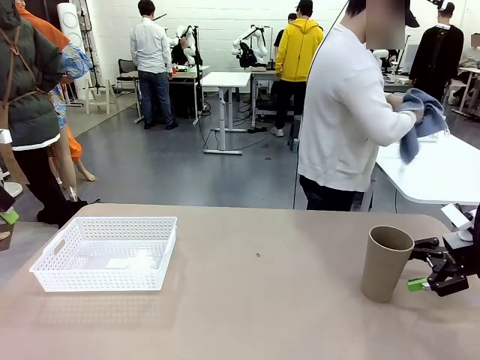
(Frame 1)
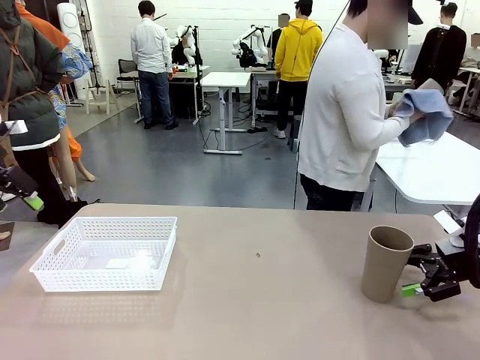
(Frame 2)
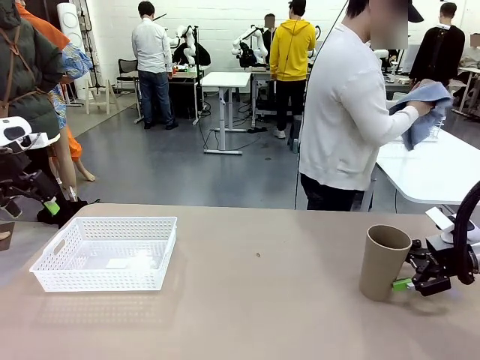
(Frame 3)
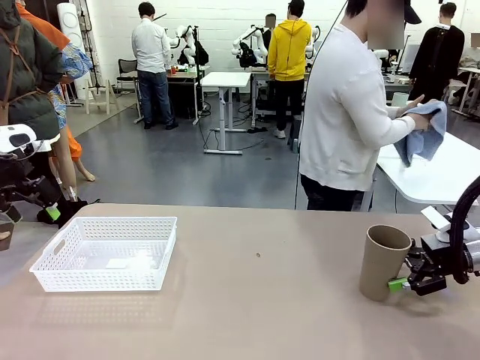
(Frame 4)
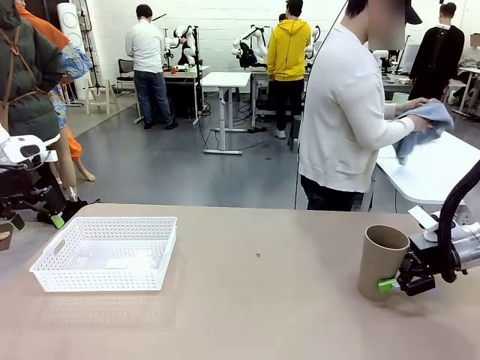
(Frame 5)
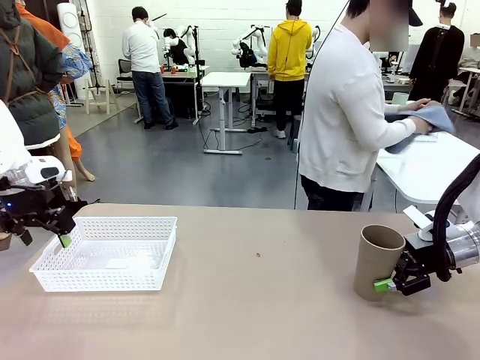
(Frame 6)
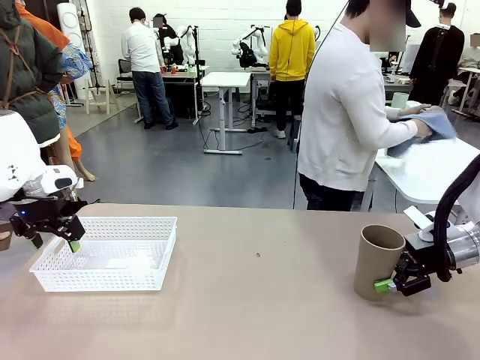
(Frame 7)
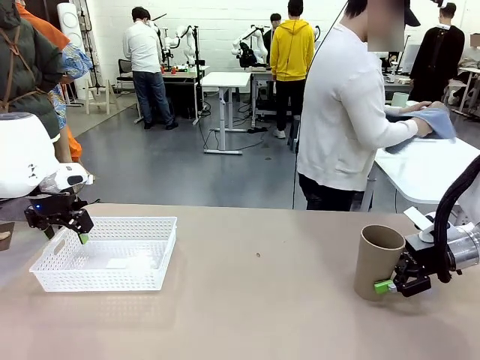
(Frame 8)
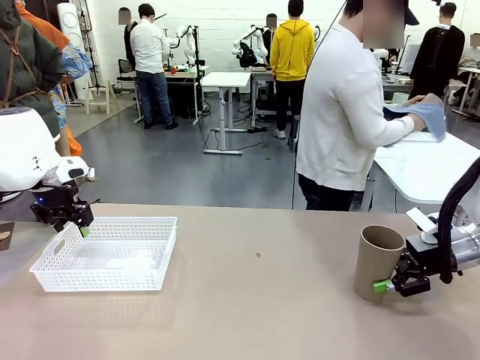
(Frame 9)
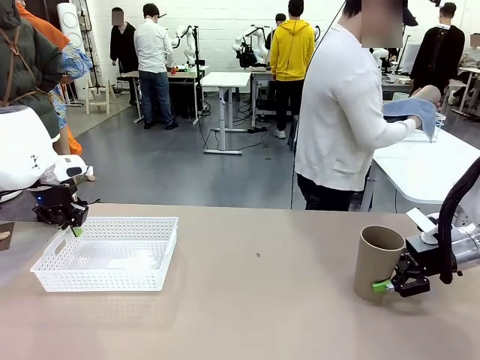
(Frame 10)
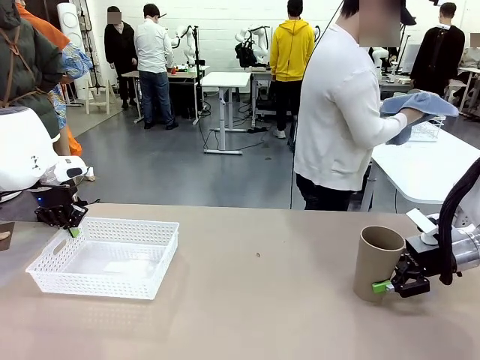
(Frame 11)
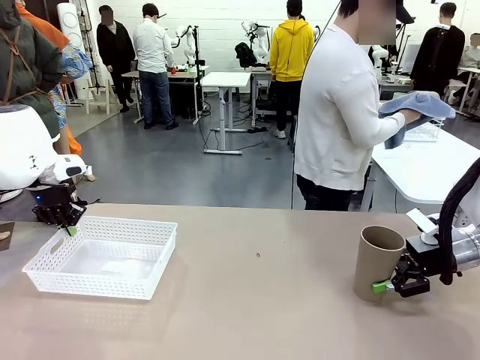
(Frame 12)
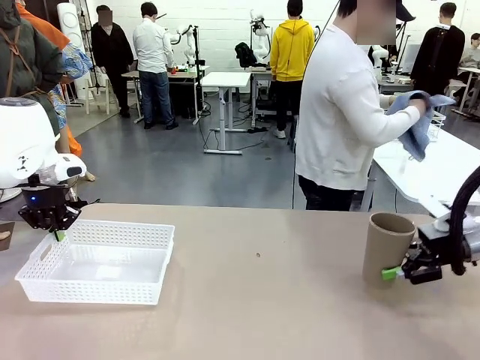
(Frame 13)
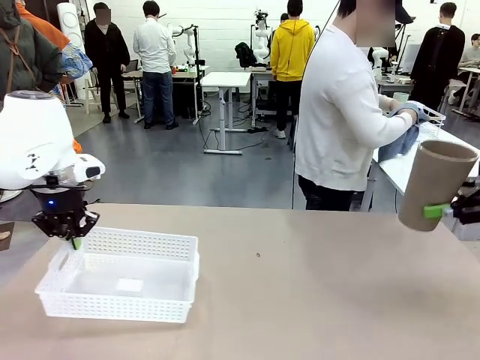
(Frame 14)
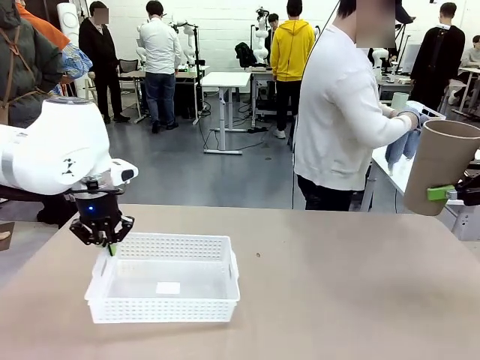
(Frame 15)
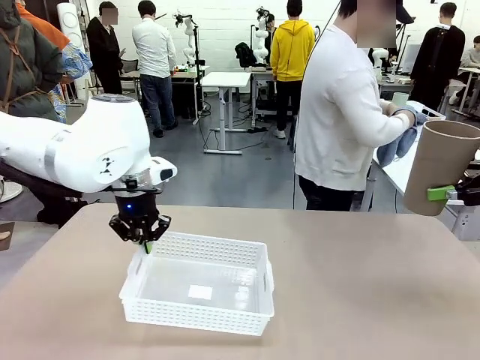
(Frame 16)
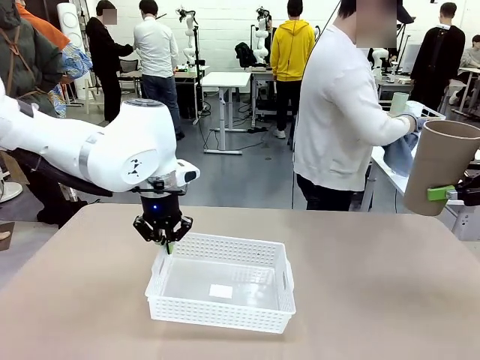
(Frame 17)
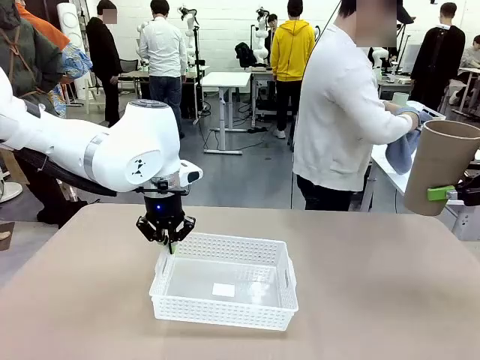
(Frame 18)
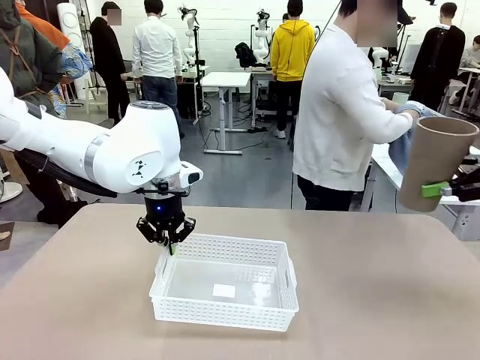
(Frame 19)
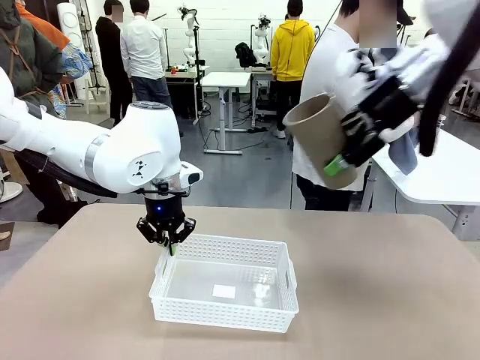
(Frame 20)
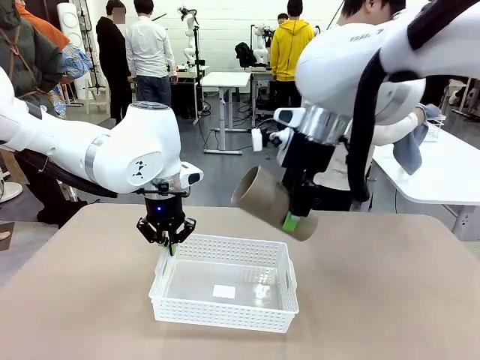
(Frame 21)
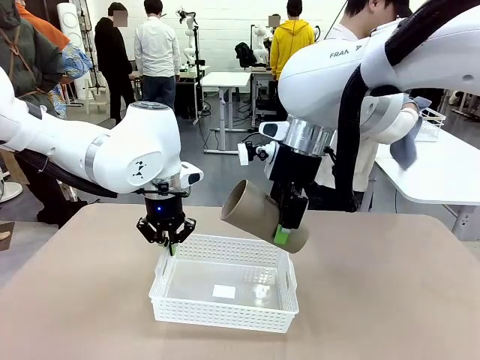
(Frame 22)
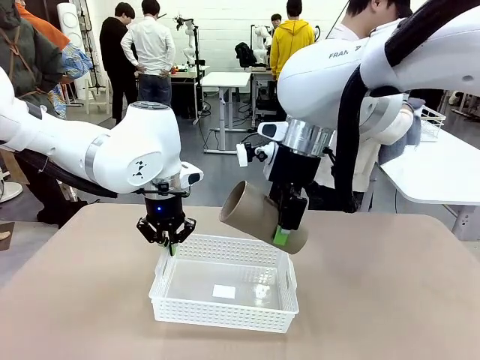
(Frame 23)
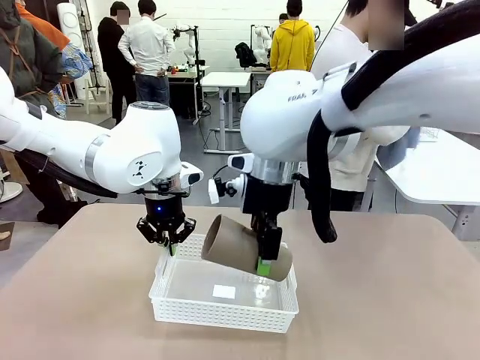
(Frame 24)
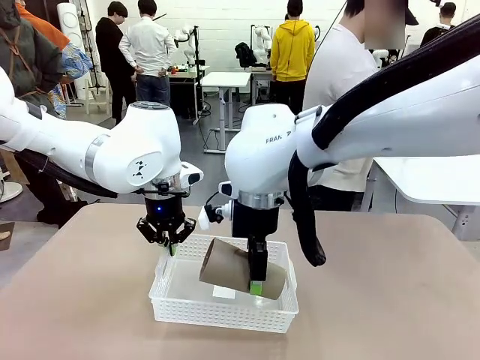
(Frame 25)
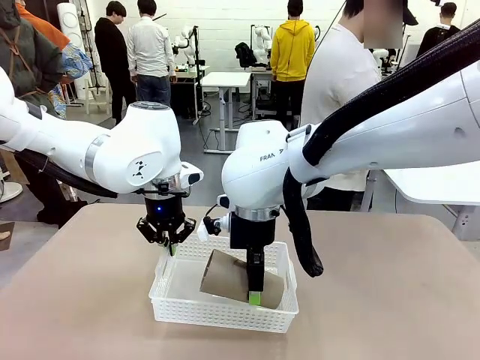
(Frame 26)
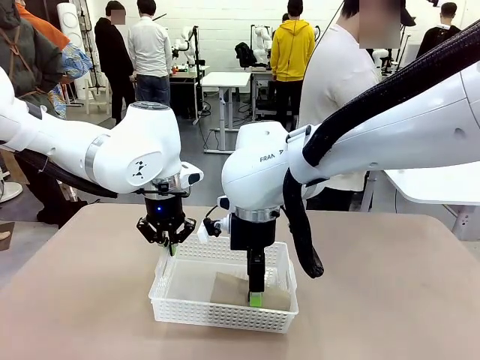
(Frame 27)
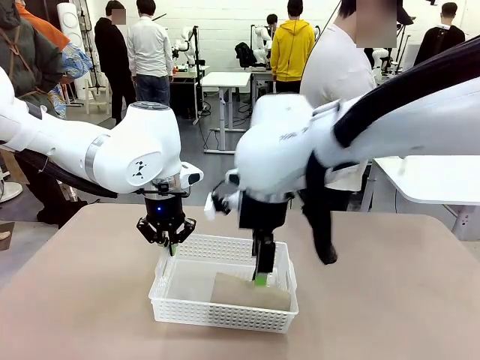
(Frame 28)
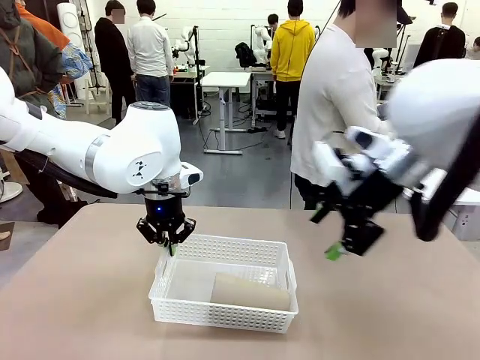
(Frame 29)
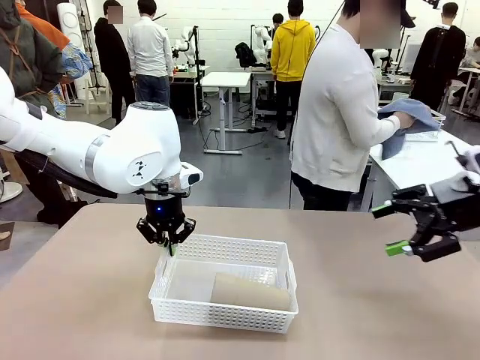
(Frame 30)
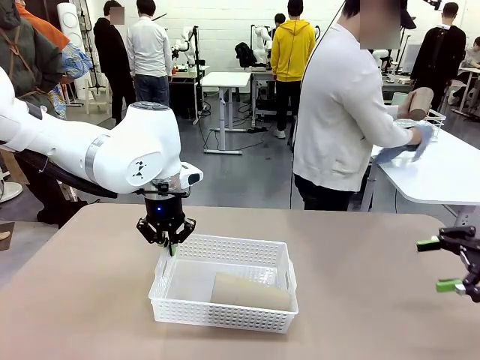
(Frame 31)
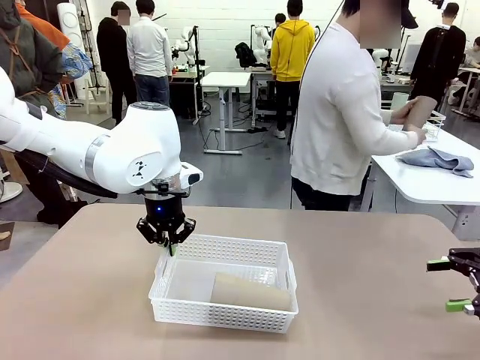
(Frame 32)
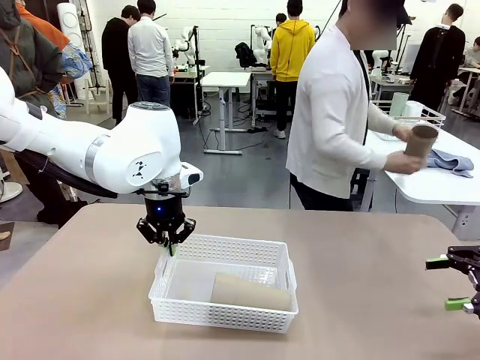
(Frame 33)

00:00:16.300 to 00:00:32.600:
Task: Clean and organize the cups into the basket.
Robot: Pick up the Organizing basket and move it to the center of the table, then pick up the Reusable plastic cup from the right side of the table and place it inside the Organizing basket.

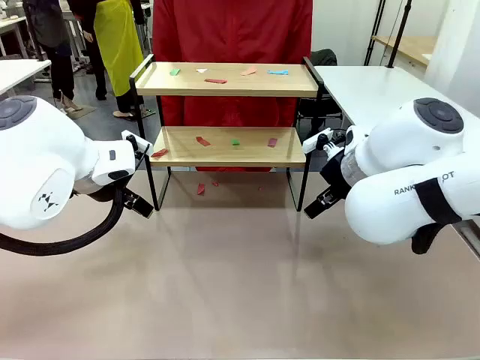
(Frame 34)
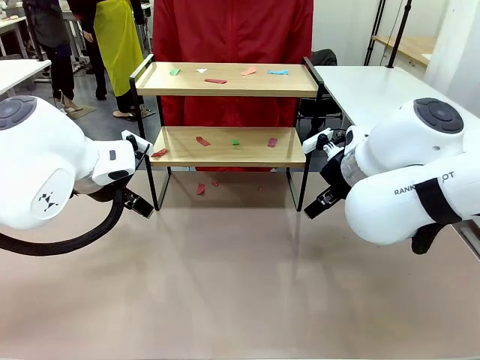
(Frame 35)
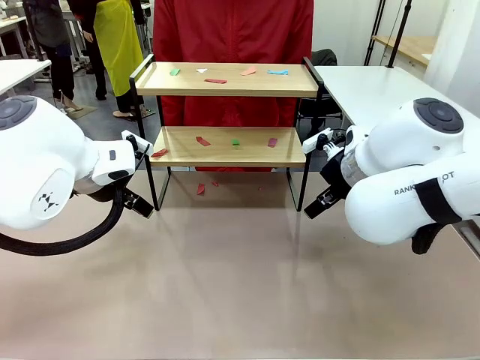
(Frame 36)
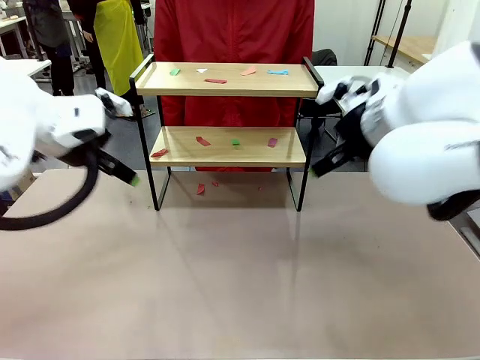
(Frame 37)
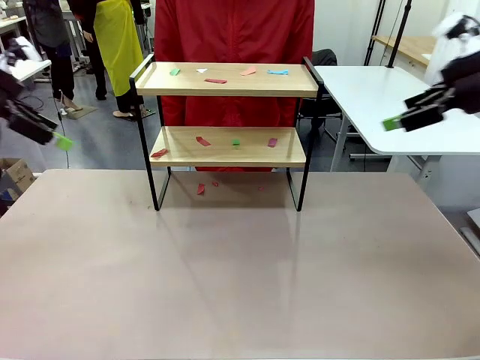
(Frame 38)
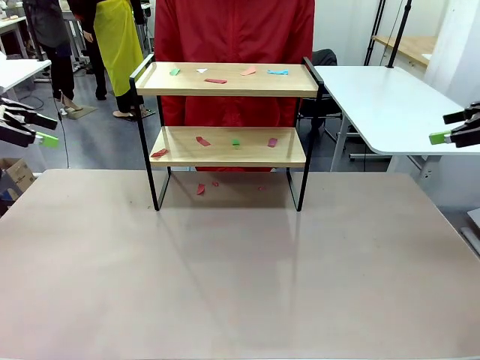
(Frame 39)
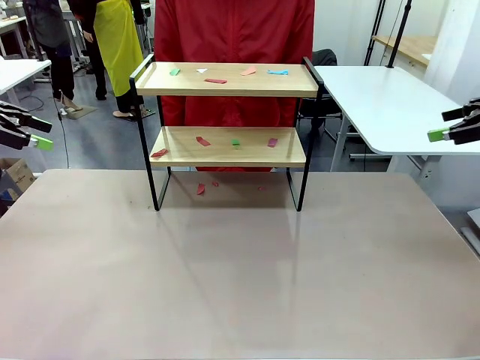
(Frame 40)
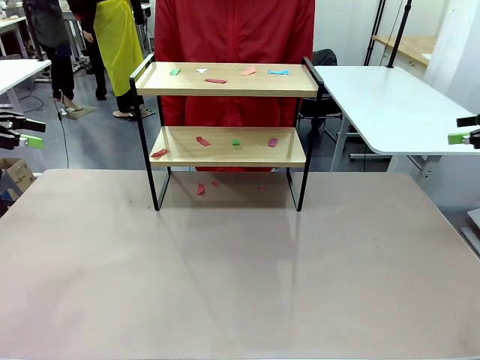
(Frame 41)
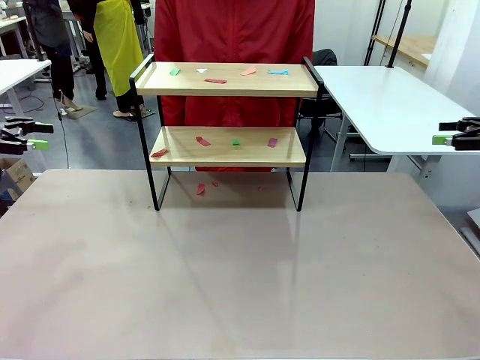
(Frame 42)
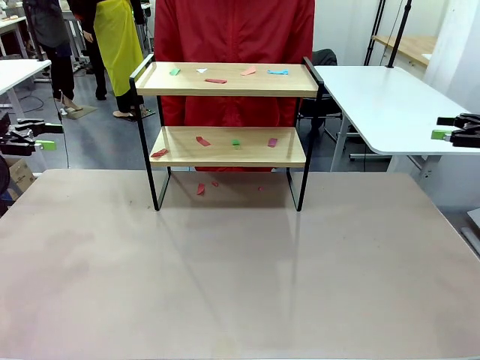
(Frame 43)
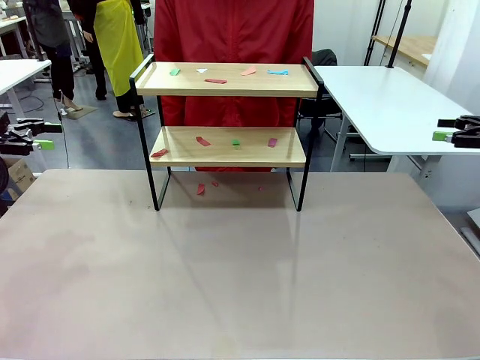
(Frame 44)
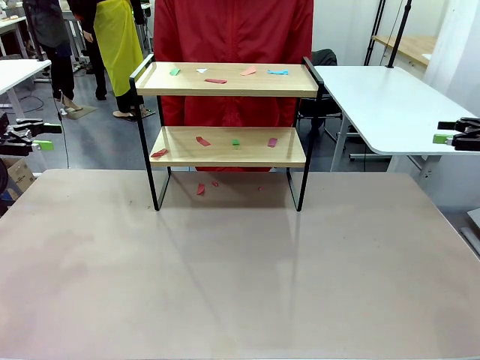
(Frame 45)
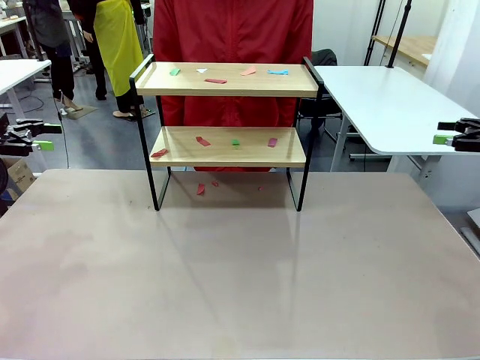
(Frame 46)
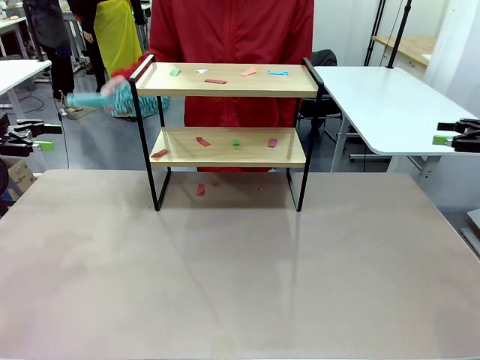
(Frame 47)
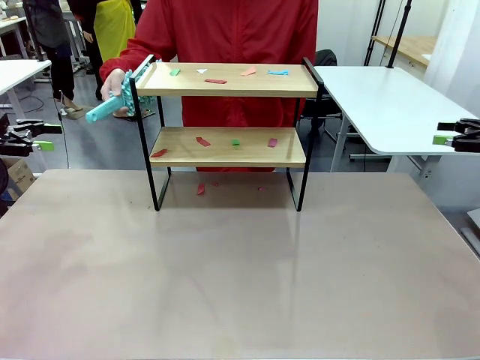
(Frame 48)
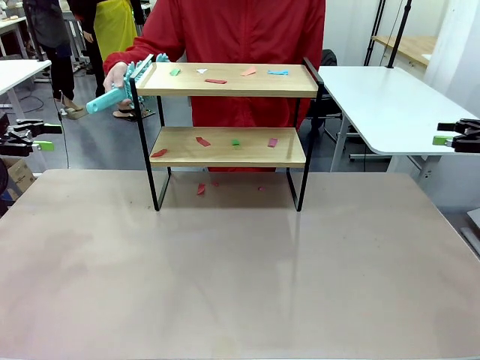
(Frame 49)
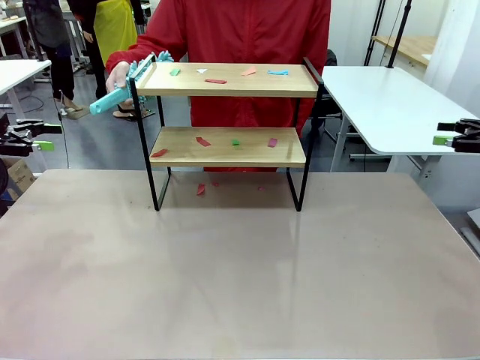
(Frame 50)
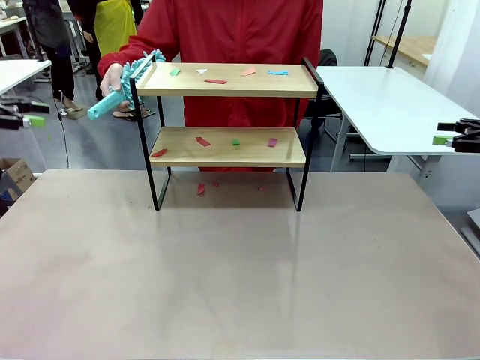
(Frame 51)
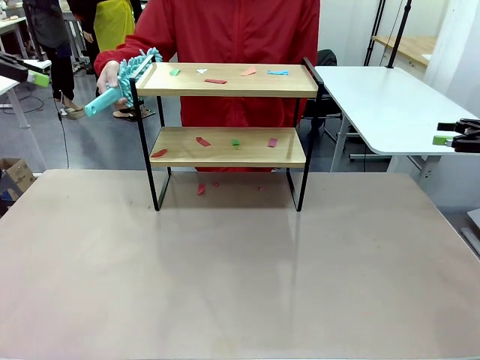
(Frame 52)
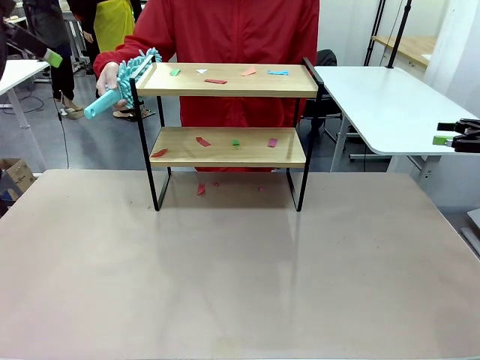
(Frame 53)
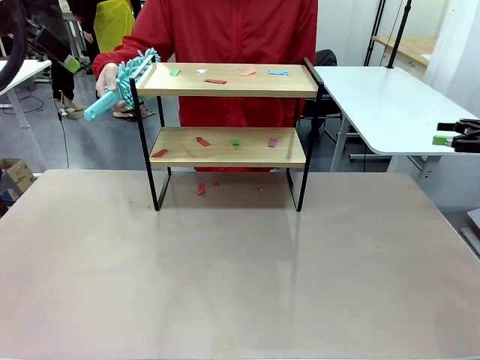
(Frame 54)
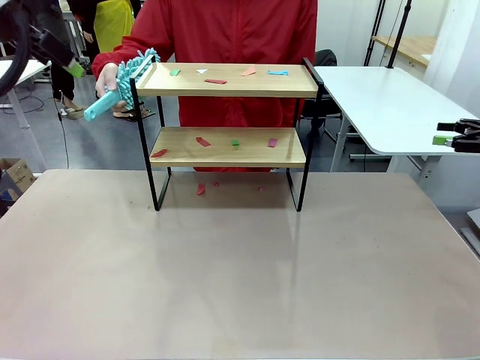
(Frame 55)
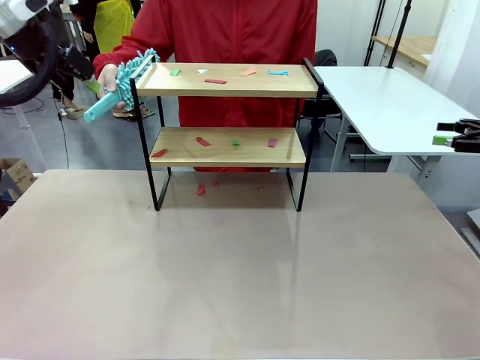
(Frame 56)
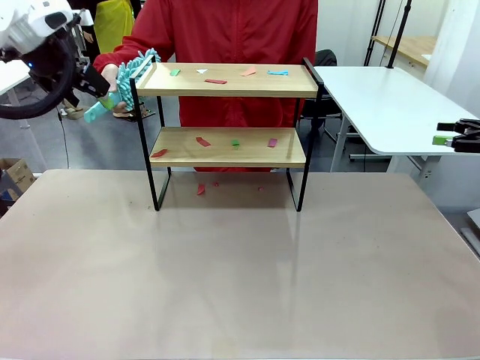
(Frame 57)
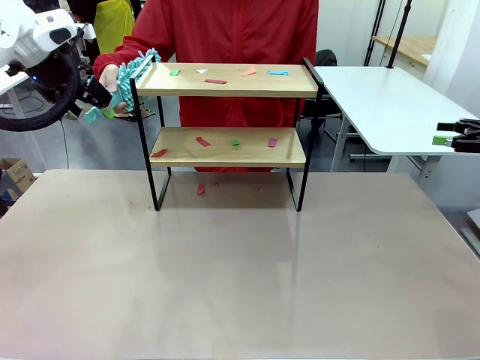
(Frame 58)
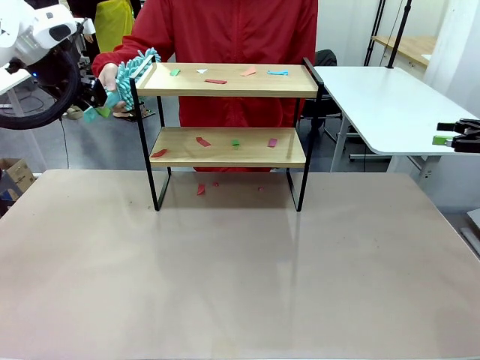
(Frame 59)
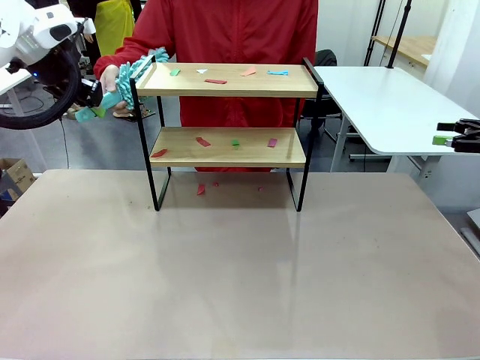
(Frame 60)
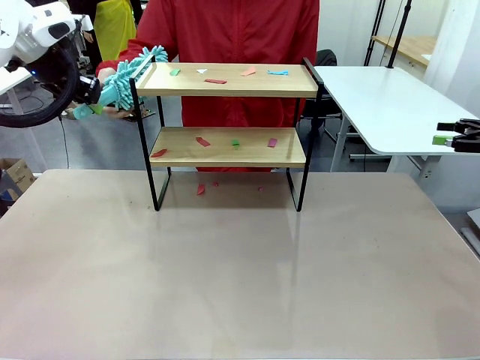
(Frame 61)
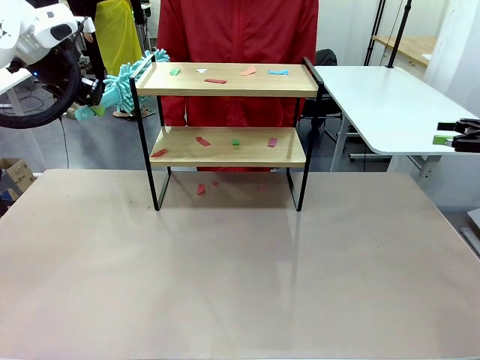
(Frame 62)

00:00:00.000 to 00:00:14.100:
Task: Clean the shelf.
Robot: Pick up the Duster handed by the human.
Person: Hand the Duster to the robot.
